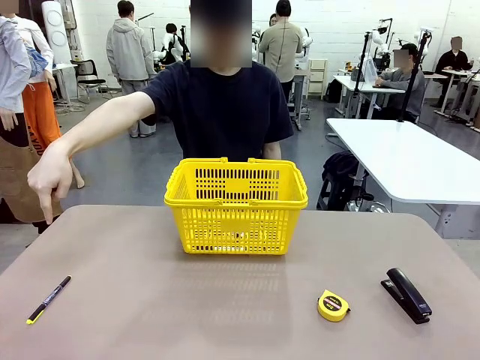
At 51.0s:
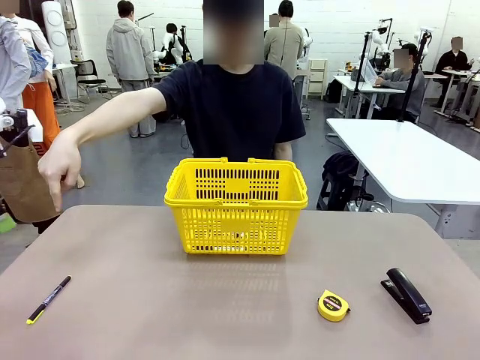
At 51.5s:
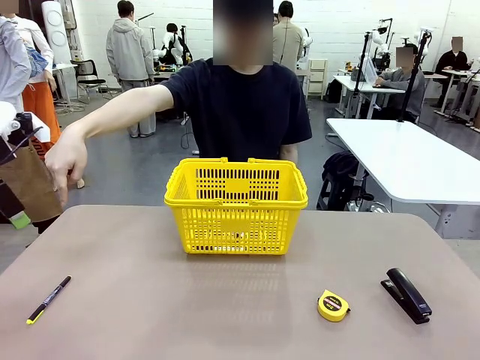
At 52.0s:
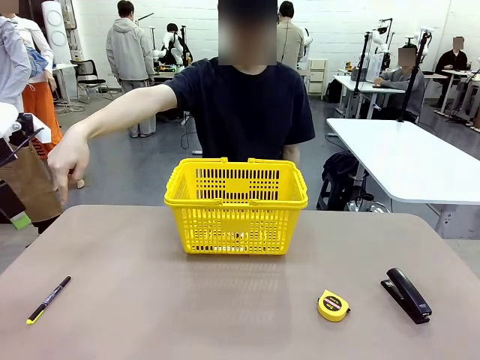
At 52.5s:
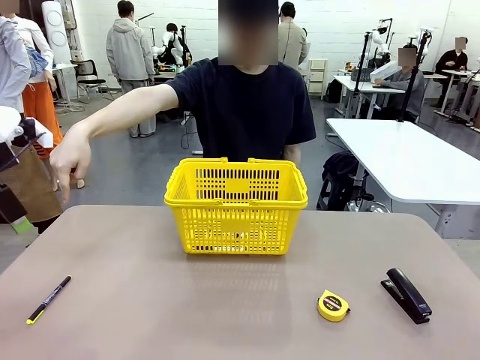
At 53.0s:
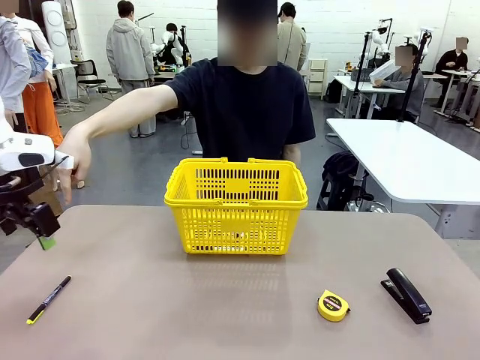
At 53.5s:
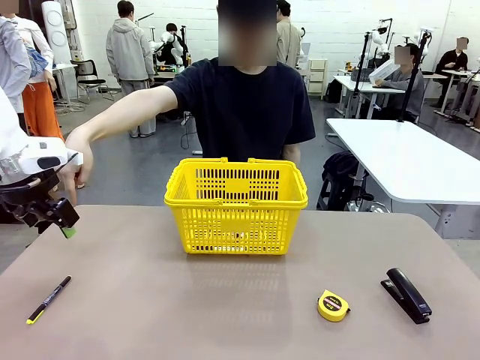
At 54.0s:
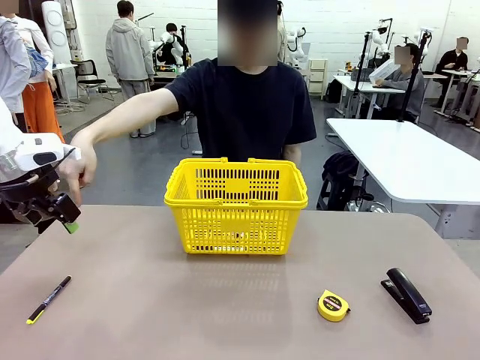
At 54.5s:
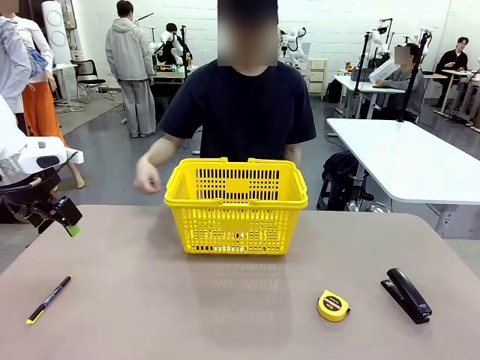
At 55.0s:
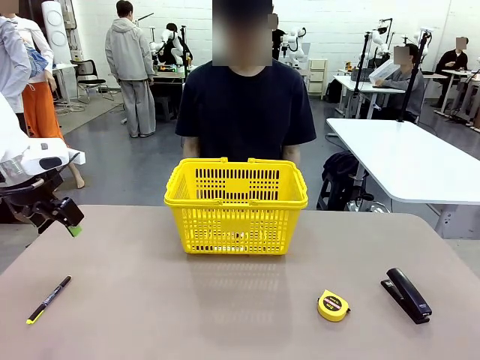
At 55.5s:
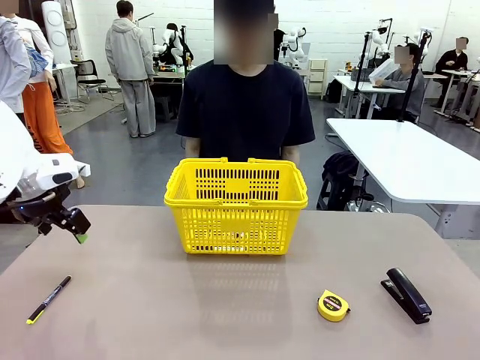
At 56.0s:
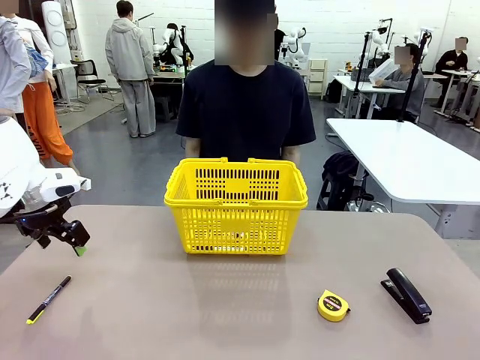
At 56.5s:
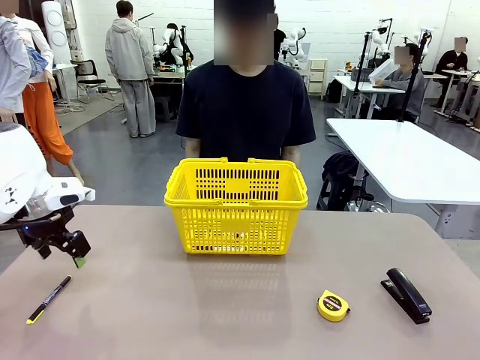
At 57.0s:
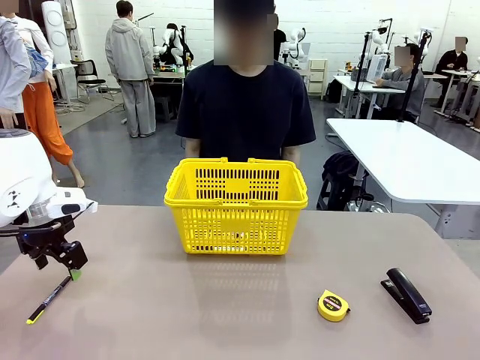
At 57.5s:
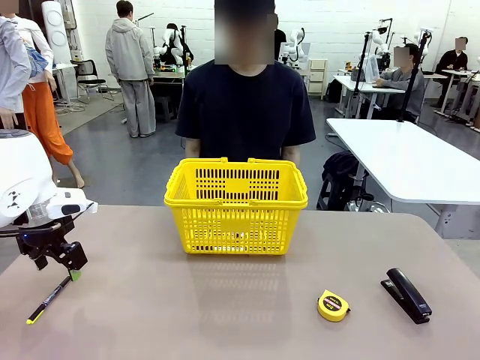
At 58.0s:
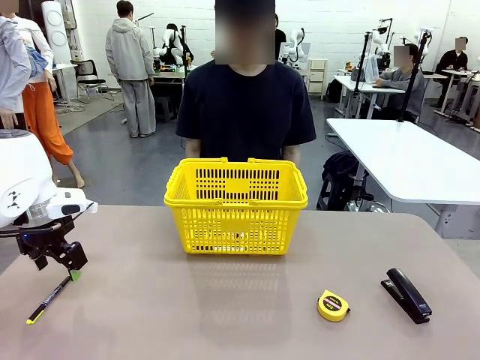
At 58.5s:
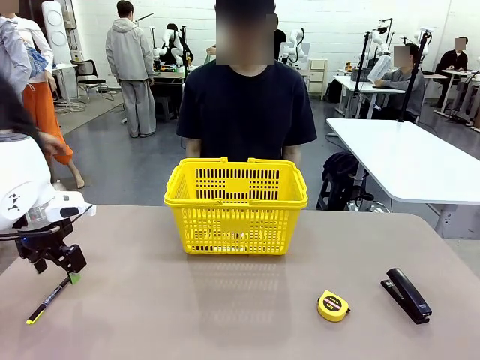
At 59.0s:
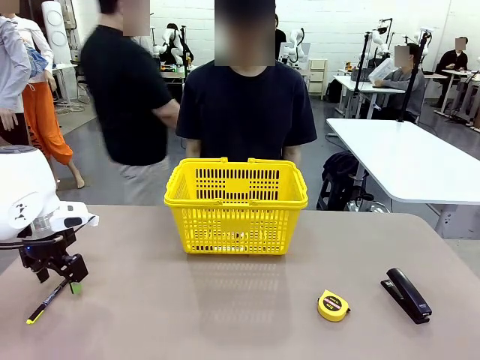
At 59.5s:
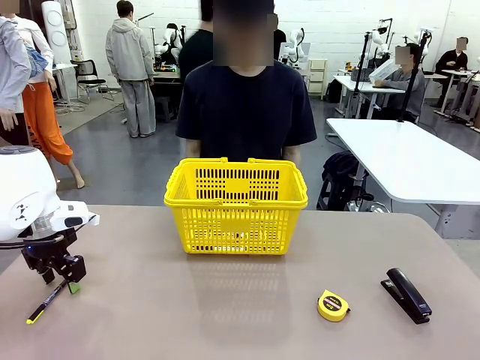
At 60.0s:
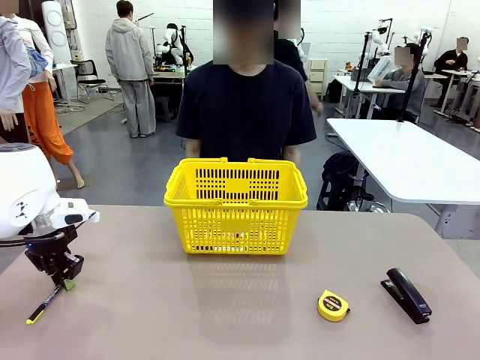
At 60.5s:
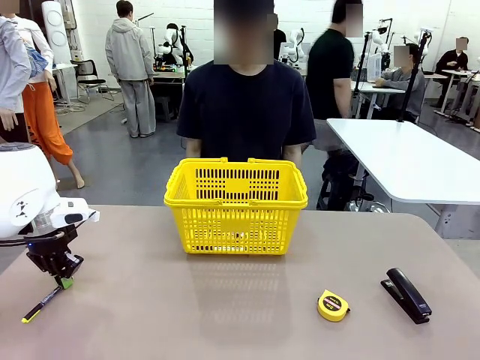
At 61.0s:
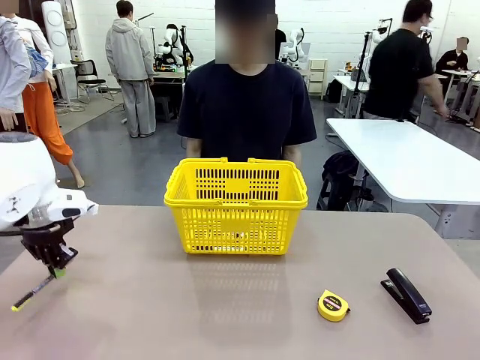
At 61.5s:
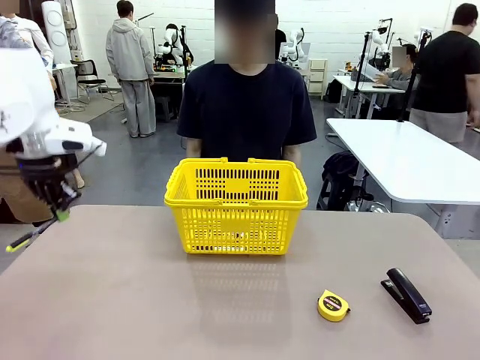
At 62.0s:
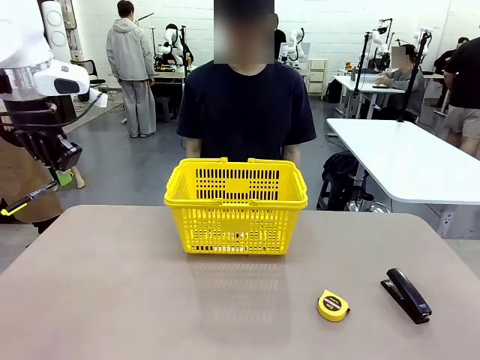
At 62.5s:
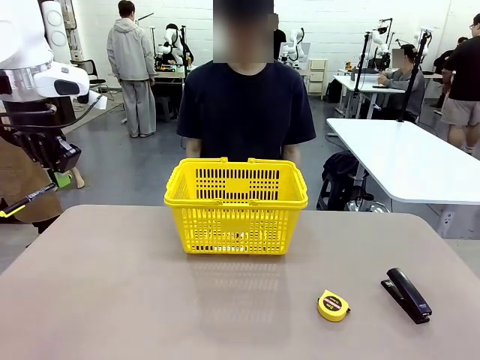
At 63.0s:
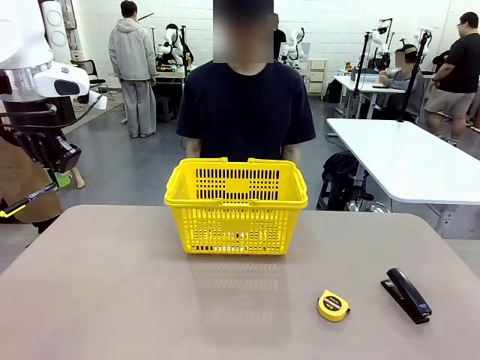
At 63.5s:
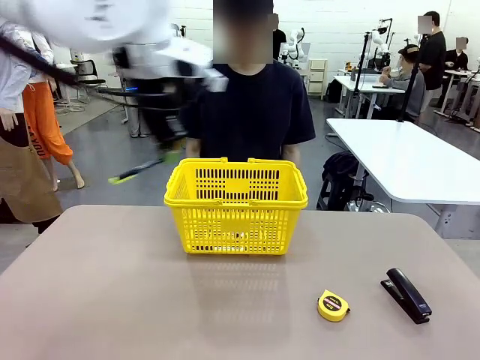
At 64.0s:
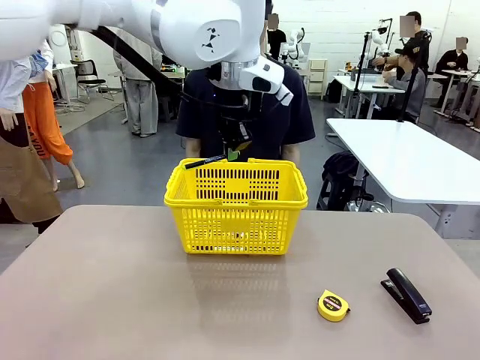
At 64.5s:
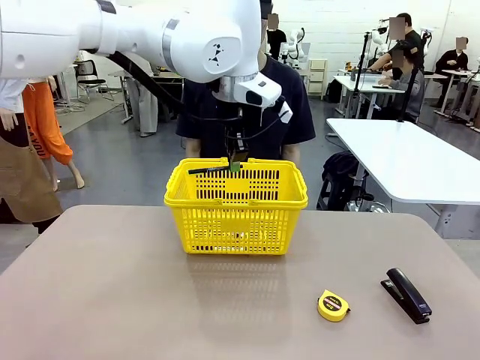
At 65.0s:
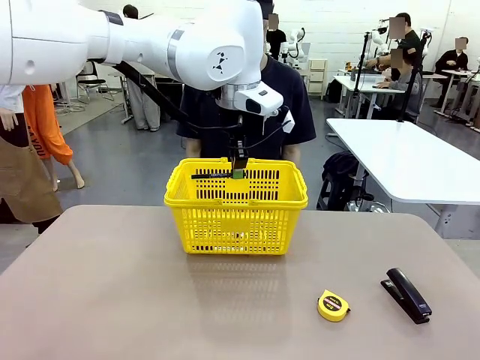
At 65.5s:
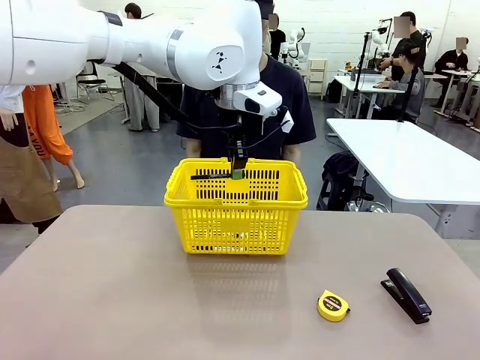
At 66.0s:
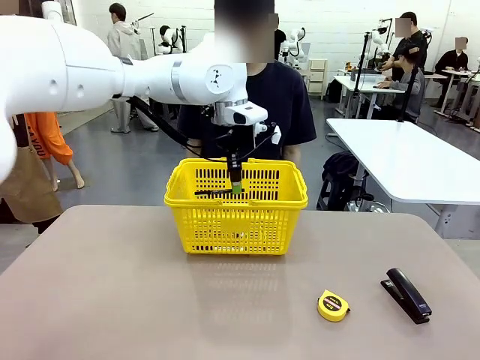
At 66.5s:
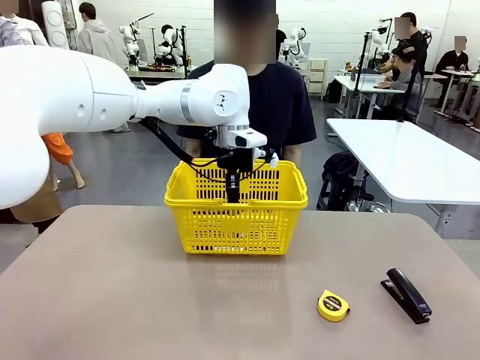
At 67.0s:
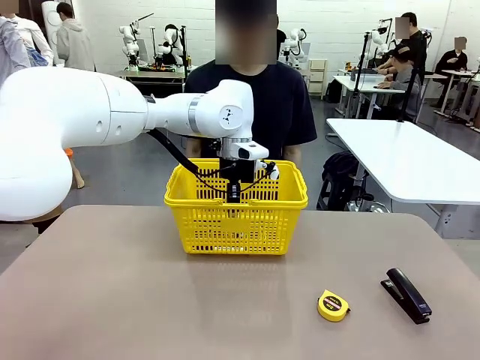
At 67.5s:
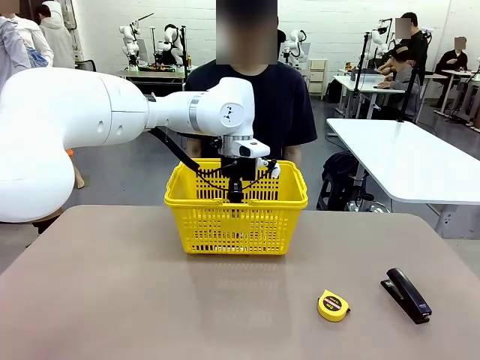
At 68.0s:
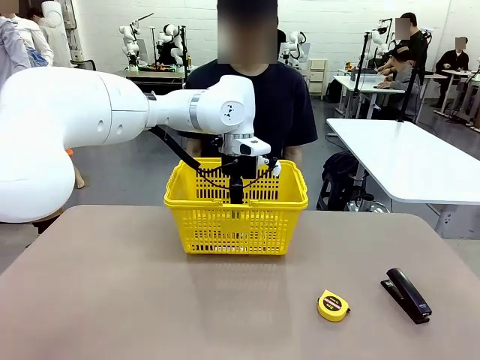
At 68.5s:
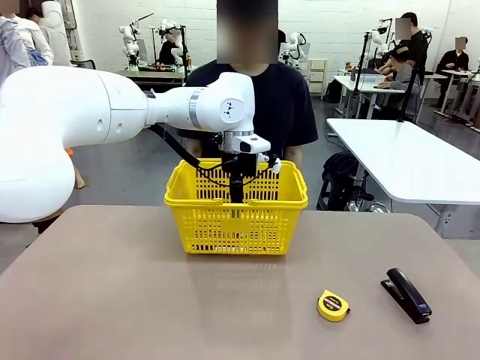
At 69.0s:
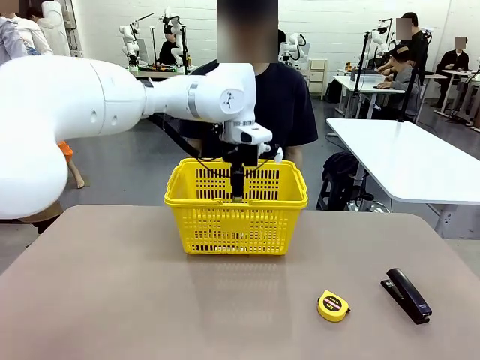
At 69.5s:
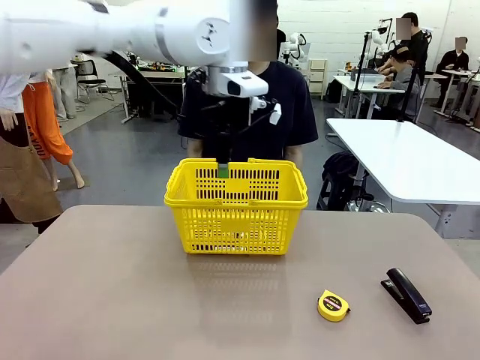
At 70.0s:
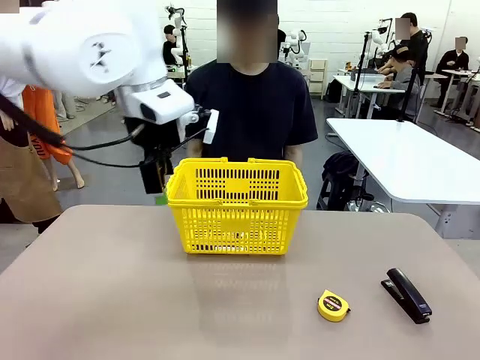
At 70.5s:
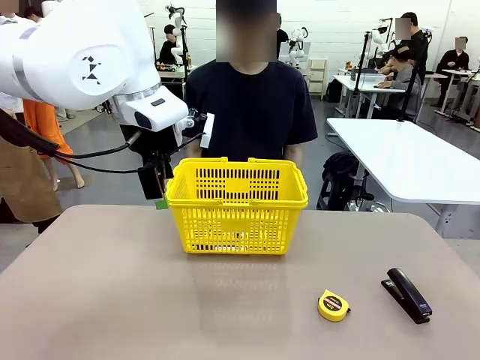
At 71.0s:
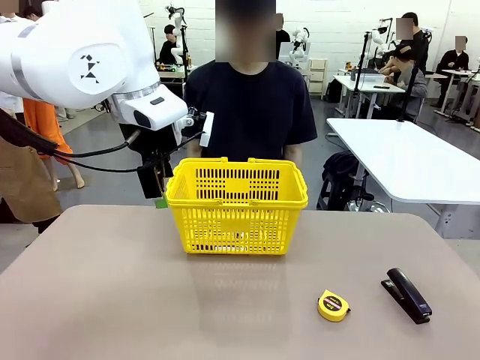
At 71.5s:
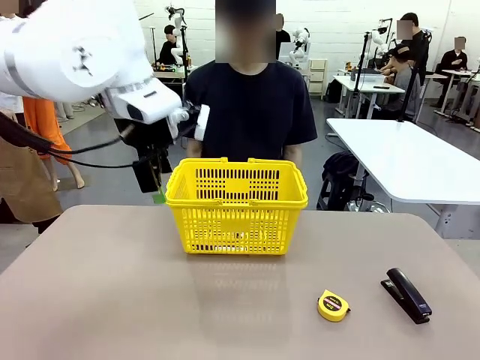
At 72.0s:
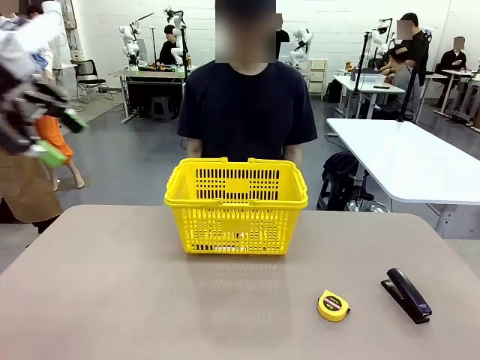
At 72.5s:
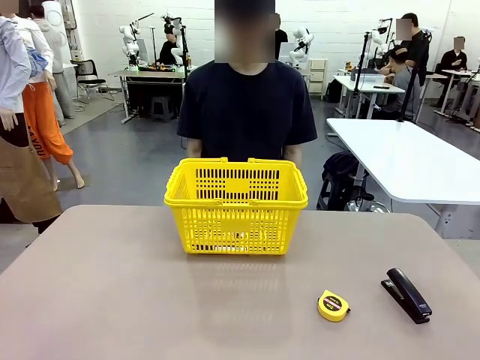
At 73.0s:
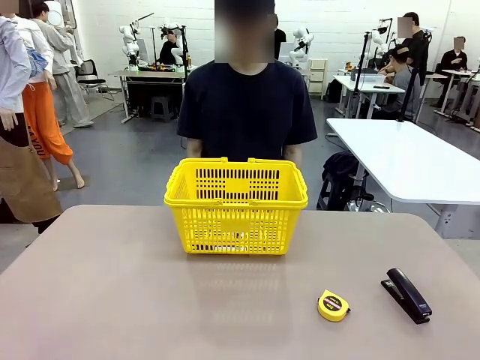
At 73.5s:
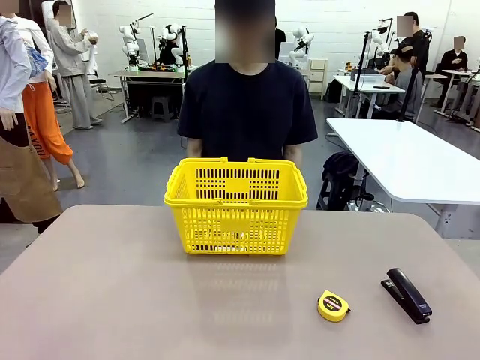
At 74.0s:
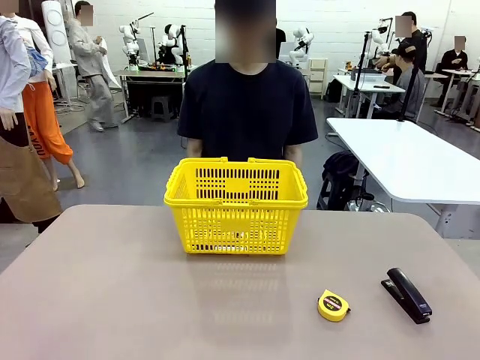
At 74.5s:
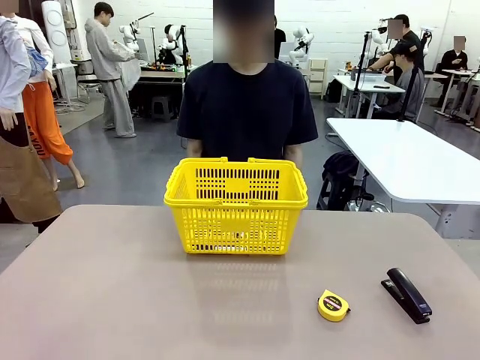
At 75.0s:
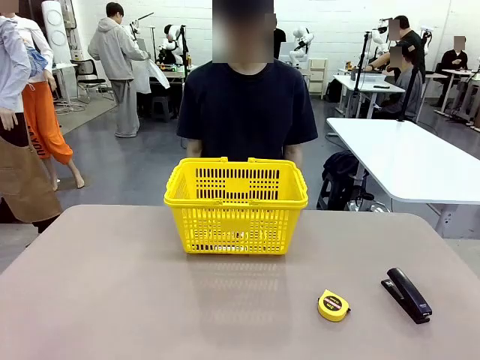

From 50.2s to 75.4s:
Task: Place the items the person wants into the basket.
Robot: Pick up the item the person points to and place it in the Market Basket.
